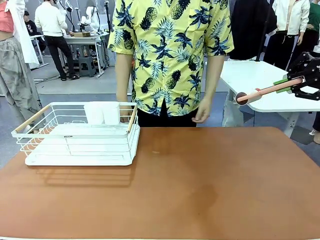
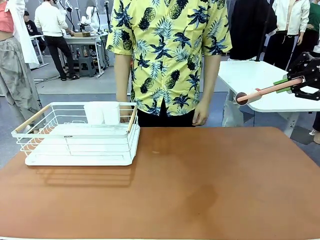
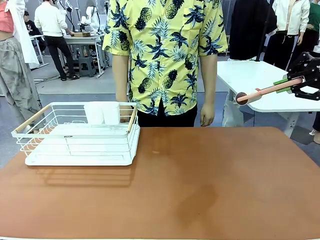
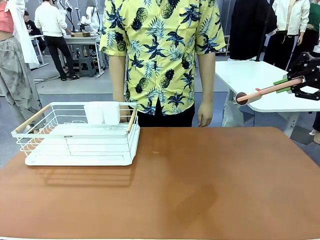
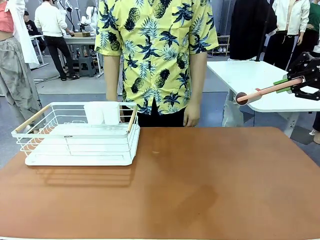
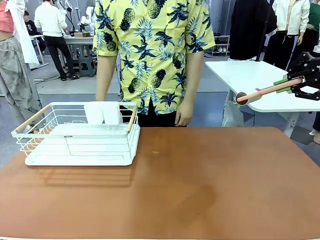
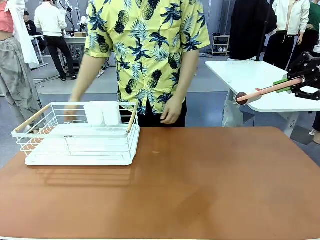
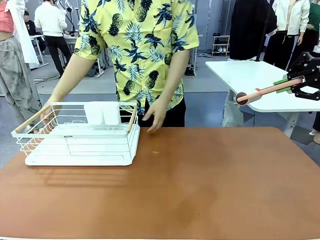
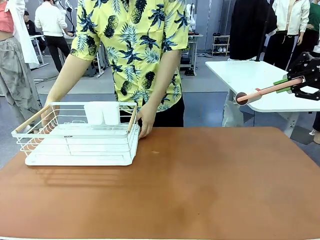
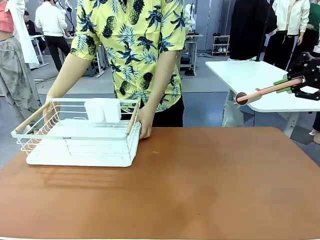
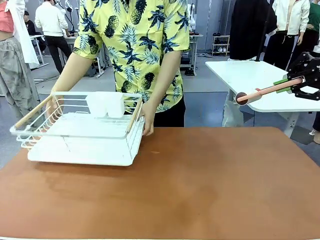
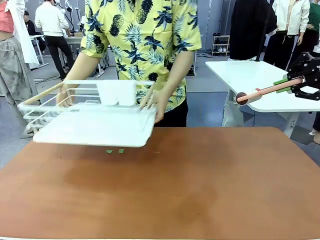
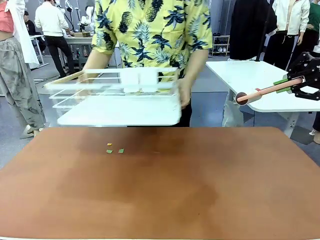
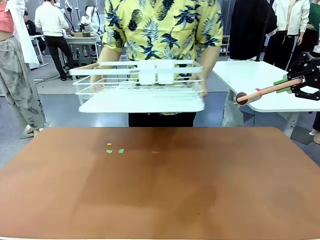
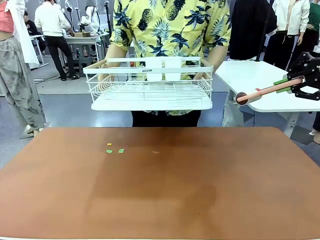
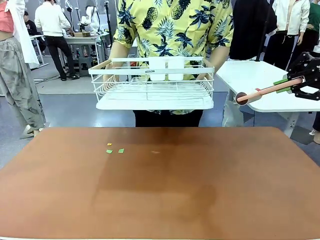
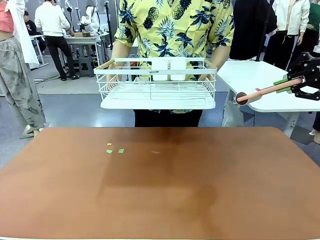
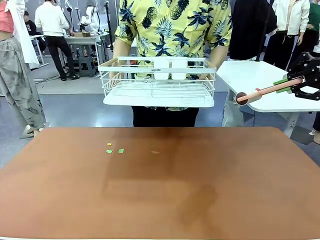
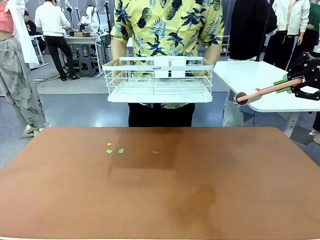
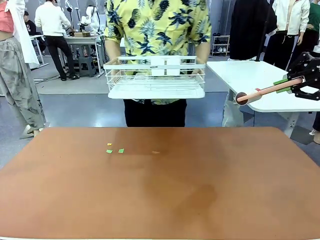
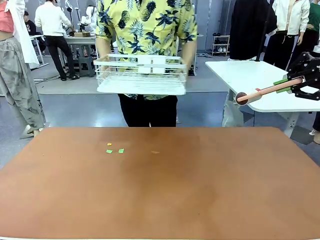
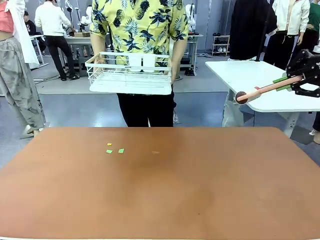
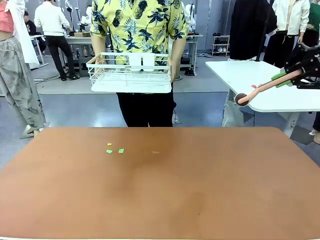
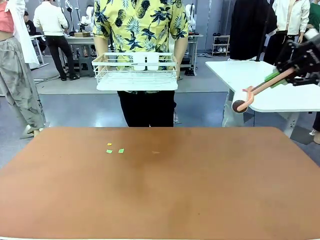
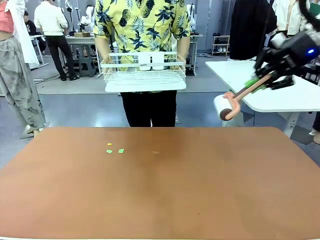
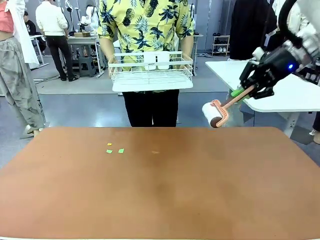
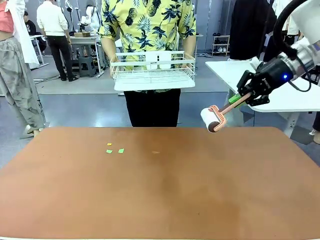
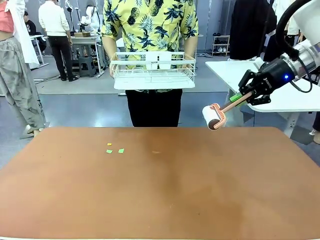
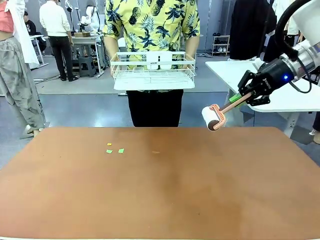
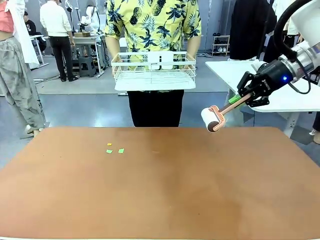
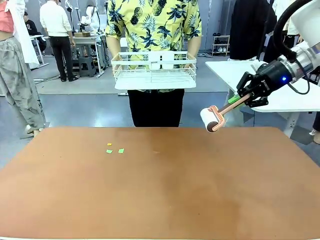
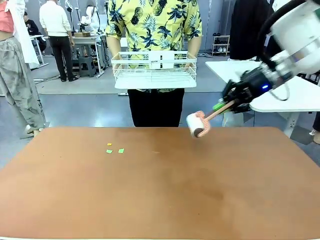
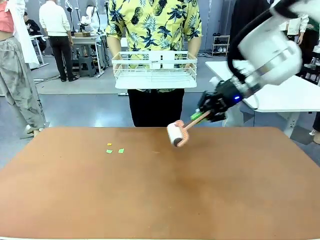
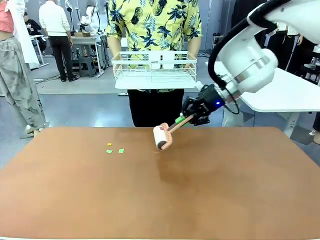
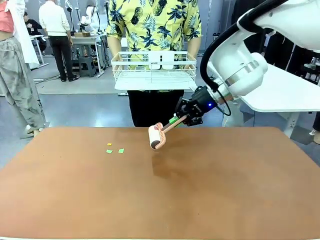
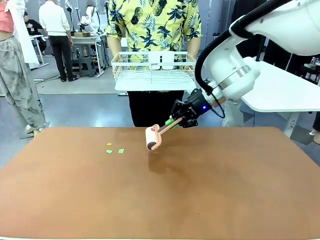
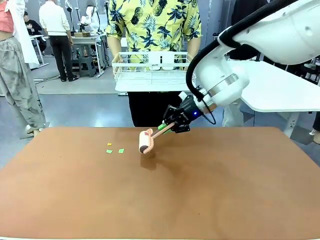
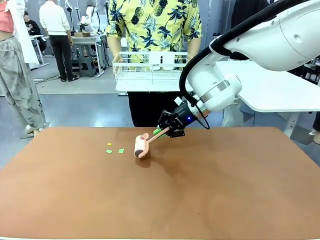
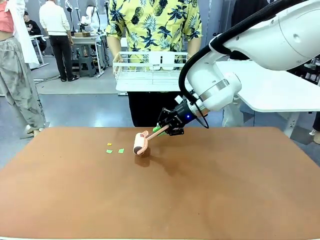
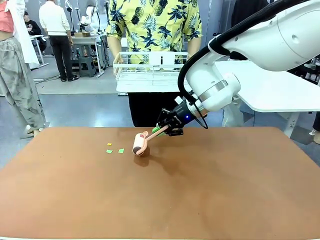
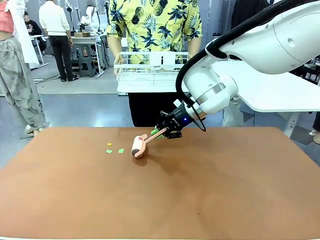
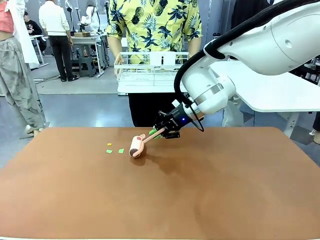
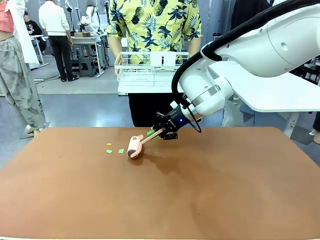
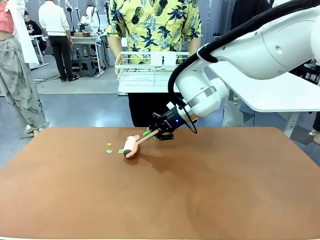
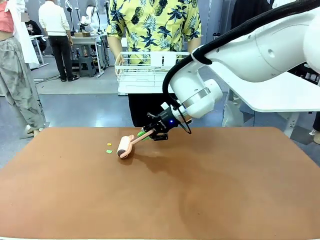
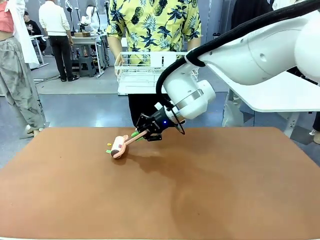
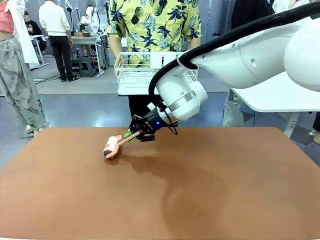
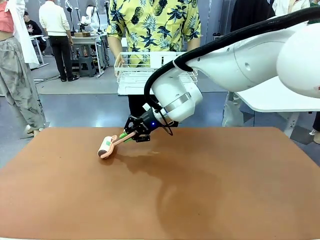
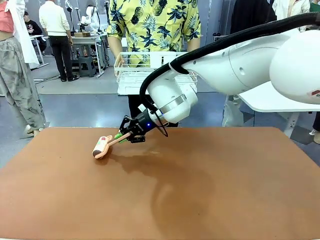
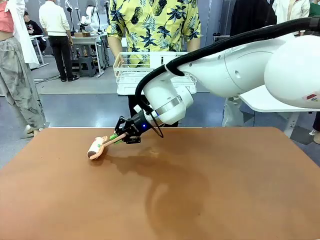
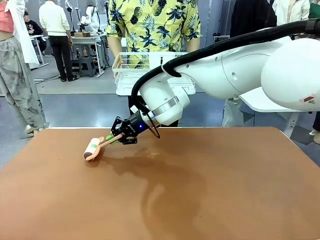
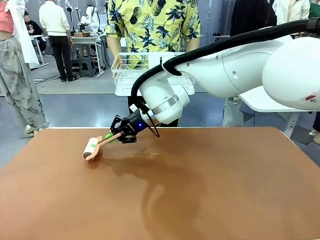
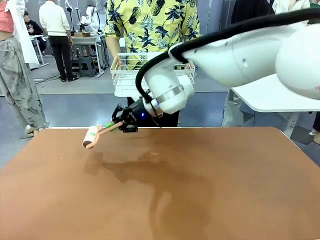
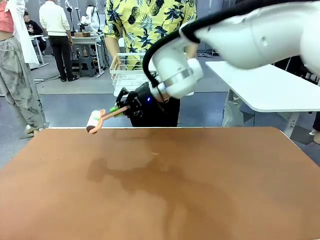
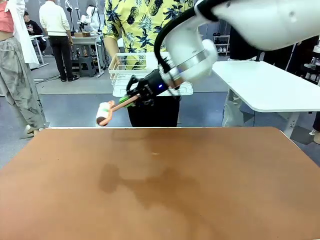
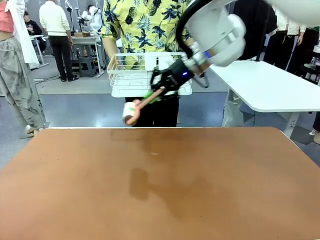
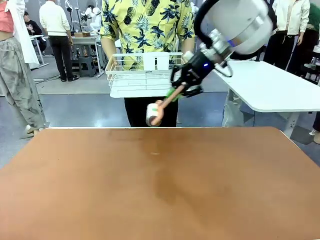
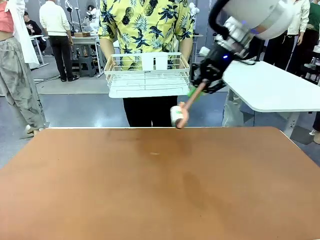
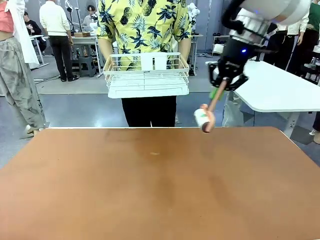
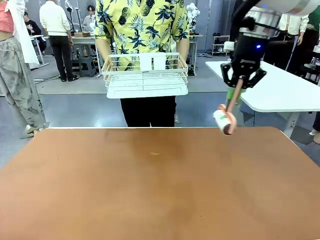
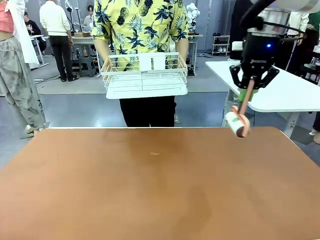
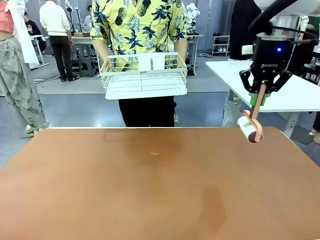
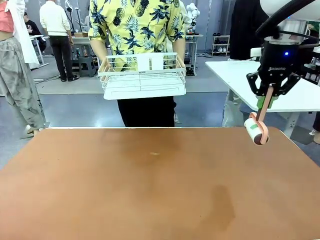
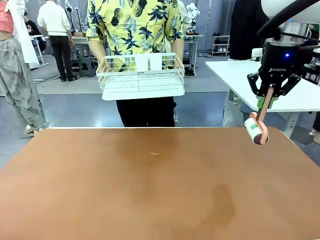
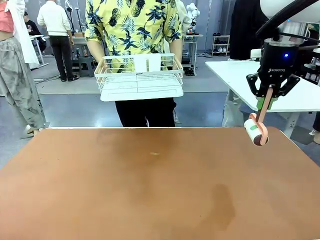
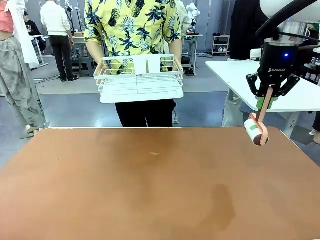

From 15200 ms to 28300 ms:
Task: Clean the table.
Robot: Clean the table with the Lint Roller when the human lifts the Dish drying rack.
Person: Place the Dish drying rack down when the robot finishes cleaning.

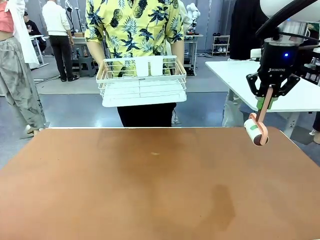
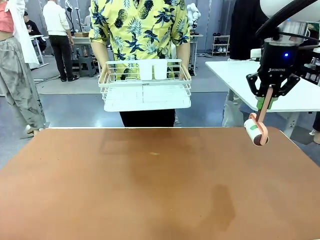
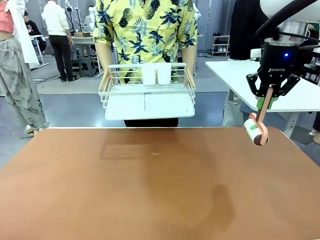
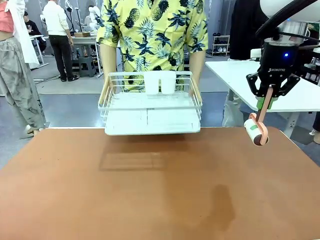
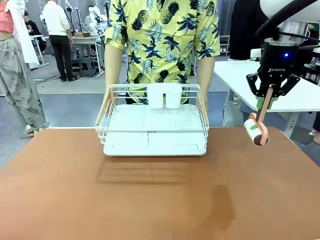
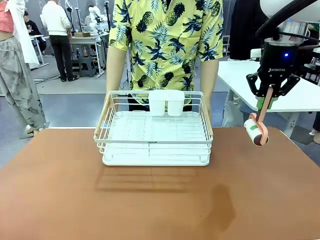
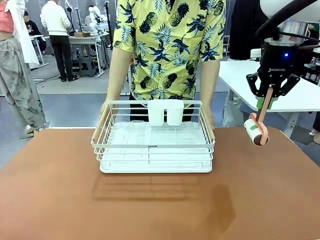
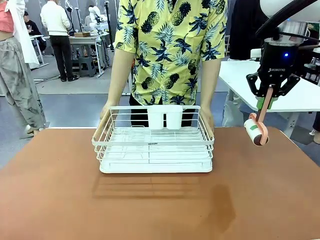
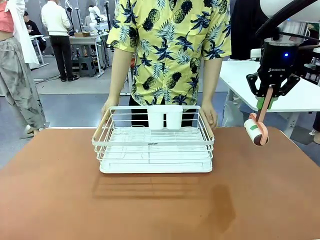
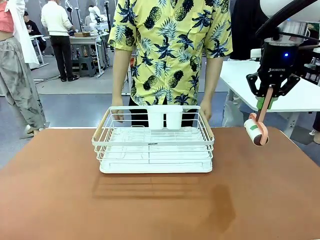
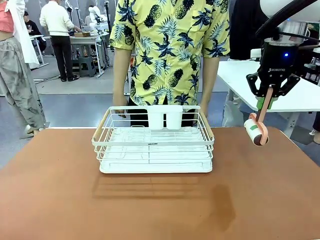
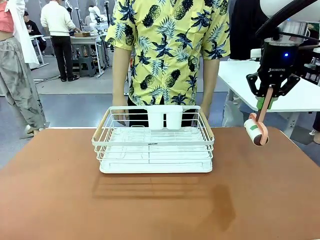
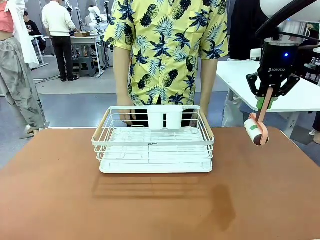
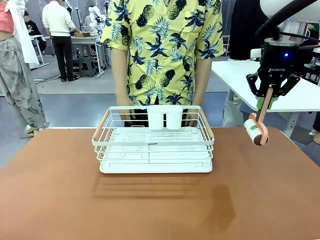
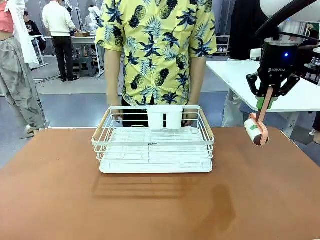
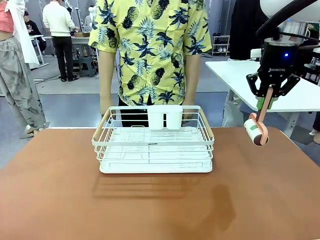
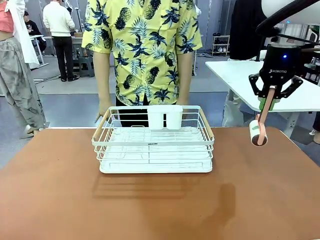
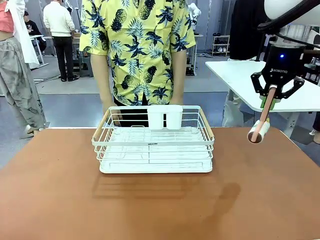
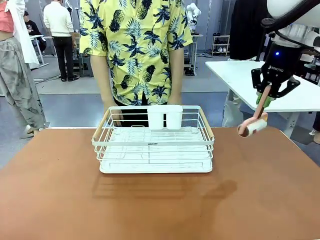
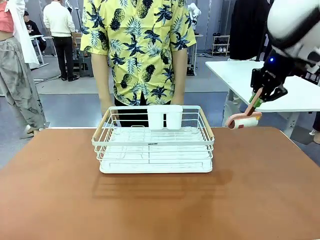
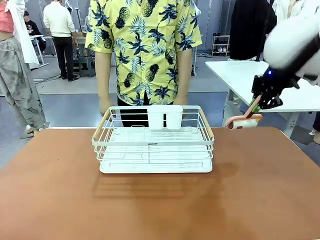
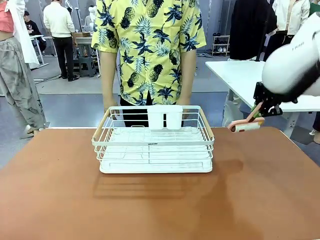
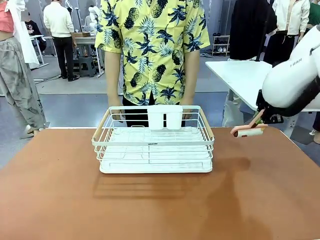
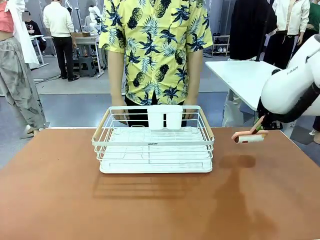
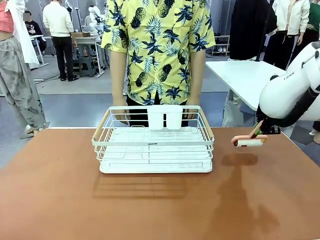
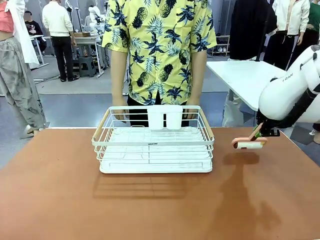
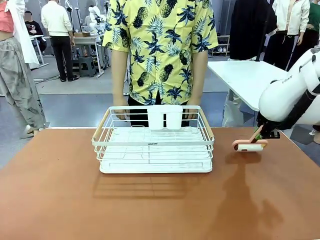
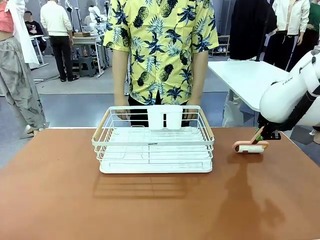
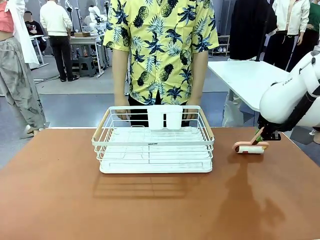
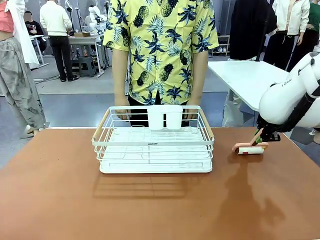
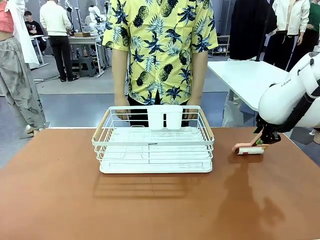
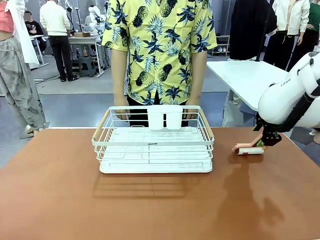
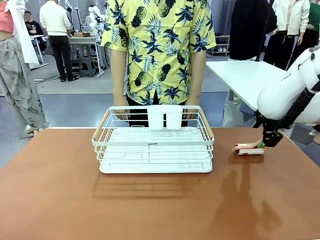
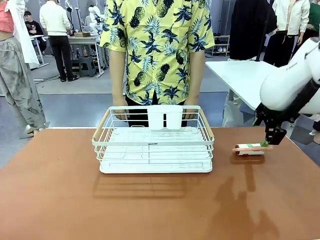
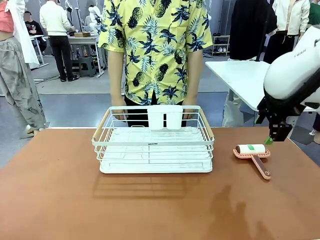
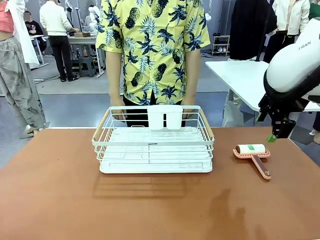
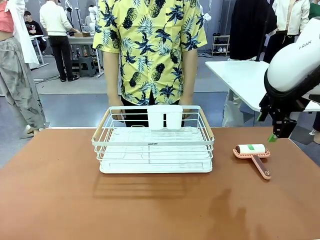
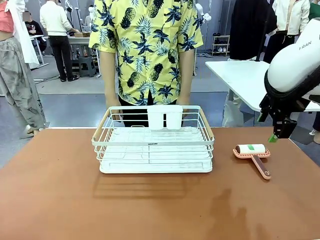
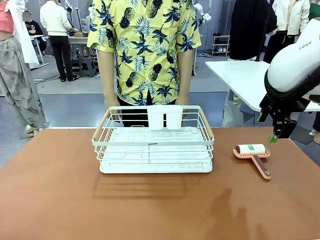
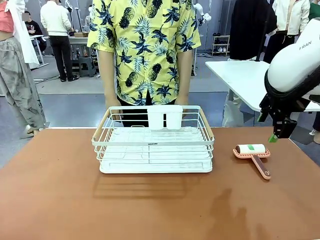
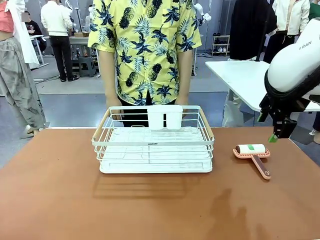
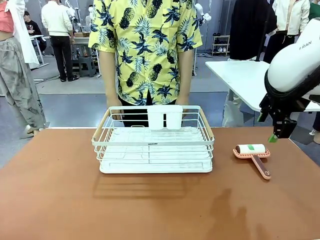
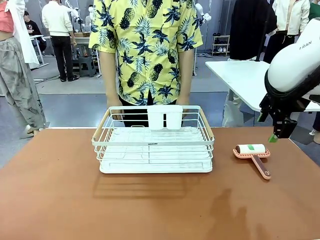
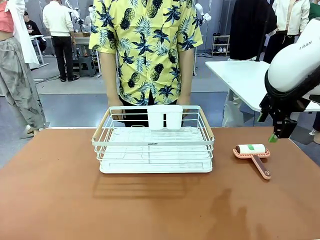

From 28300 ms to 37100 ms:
Robot: Place the Lint Roller down when the Dish drying rack is positioned in the middle of the table.
